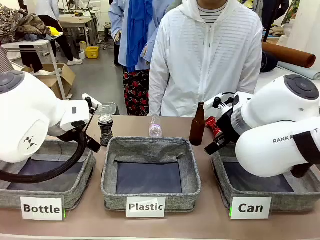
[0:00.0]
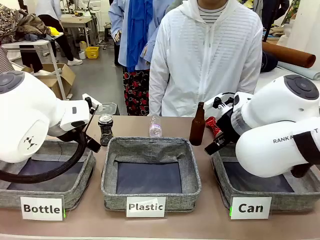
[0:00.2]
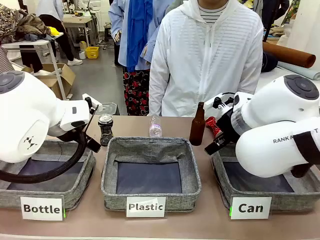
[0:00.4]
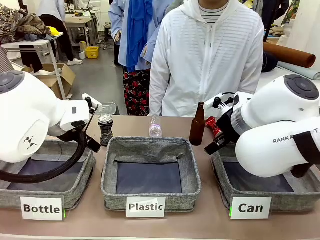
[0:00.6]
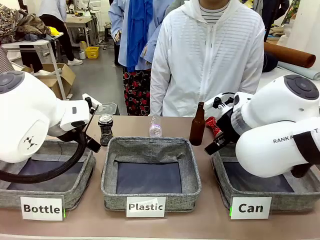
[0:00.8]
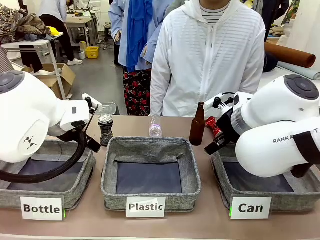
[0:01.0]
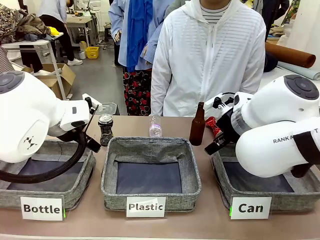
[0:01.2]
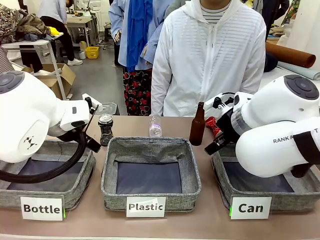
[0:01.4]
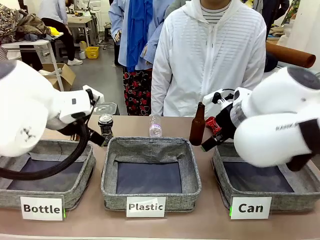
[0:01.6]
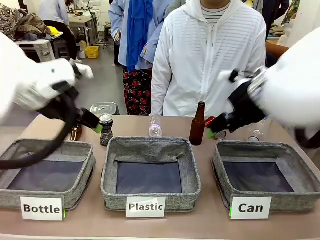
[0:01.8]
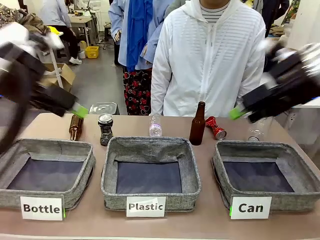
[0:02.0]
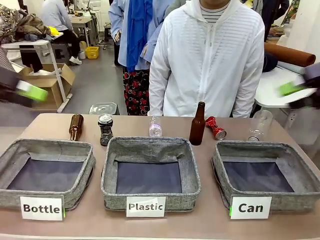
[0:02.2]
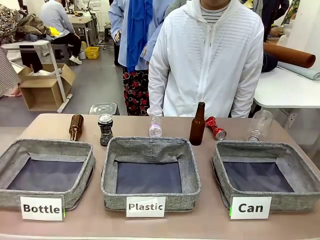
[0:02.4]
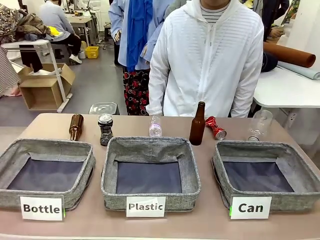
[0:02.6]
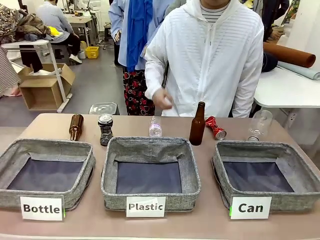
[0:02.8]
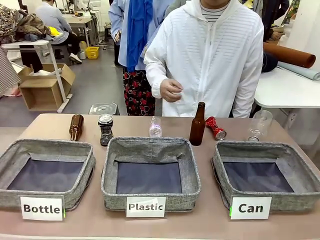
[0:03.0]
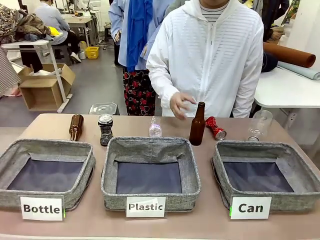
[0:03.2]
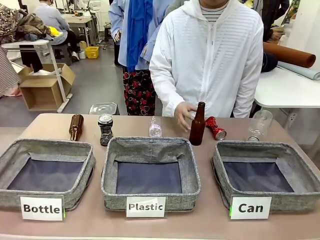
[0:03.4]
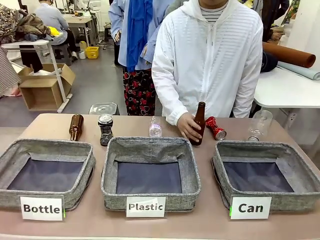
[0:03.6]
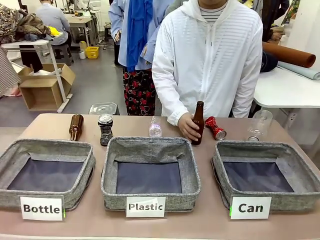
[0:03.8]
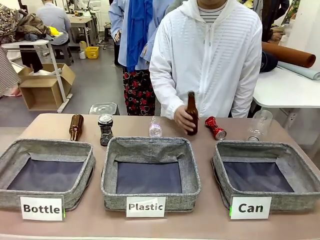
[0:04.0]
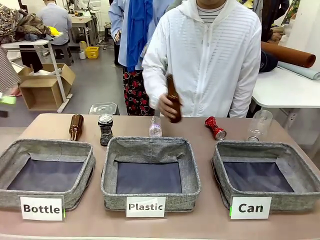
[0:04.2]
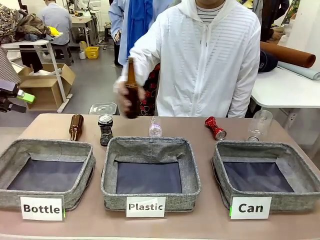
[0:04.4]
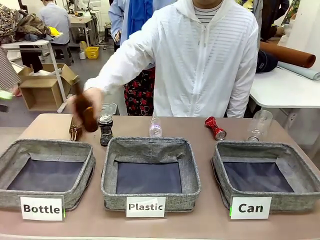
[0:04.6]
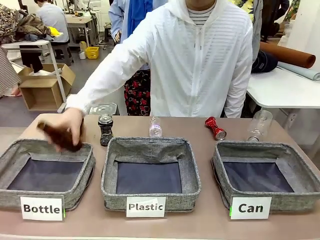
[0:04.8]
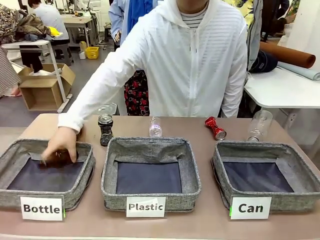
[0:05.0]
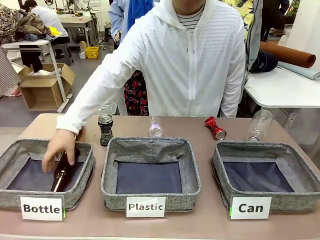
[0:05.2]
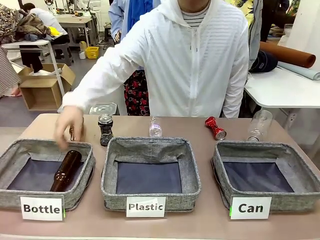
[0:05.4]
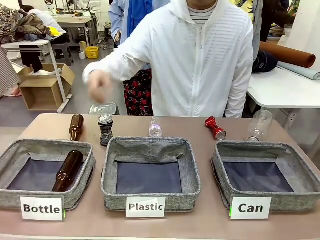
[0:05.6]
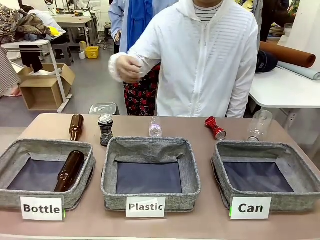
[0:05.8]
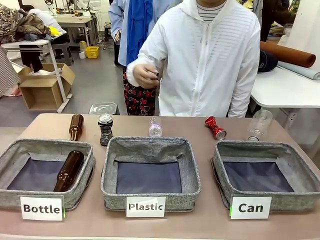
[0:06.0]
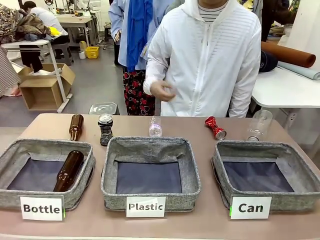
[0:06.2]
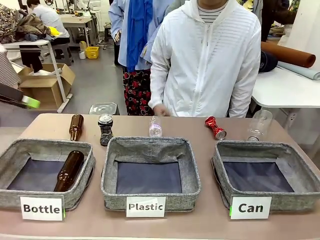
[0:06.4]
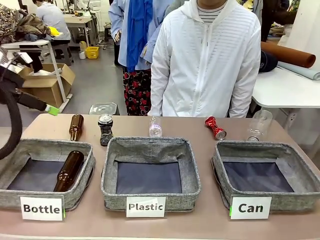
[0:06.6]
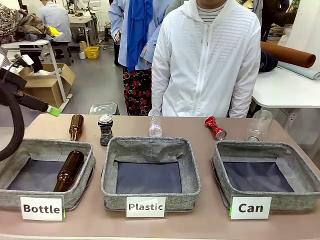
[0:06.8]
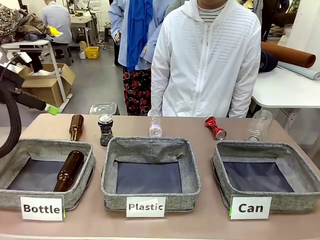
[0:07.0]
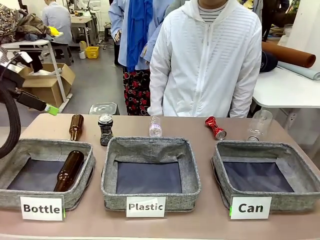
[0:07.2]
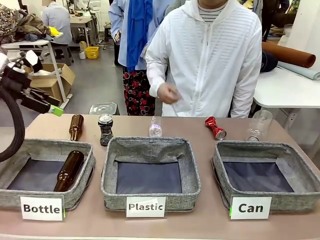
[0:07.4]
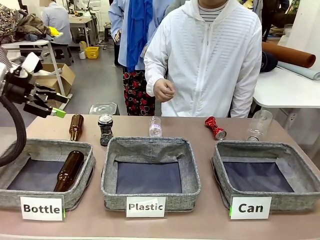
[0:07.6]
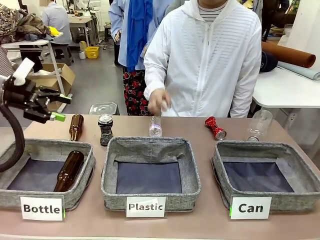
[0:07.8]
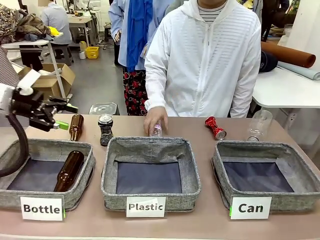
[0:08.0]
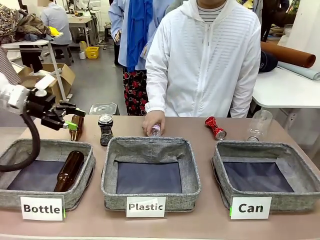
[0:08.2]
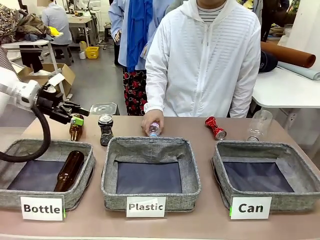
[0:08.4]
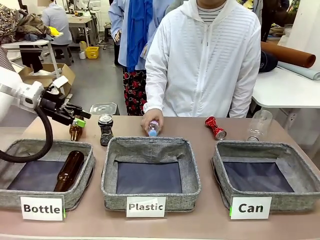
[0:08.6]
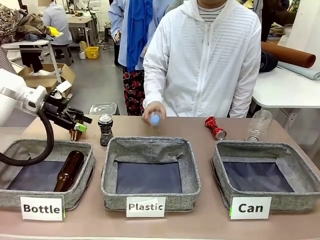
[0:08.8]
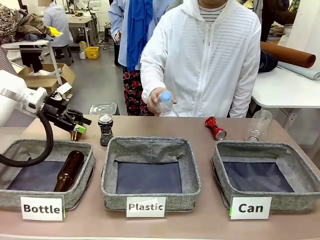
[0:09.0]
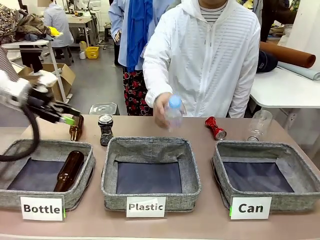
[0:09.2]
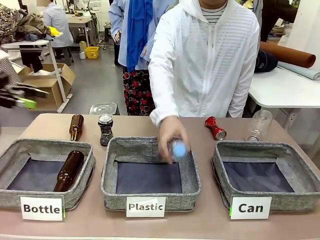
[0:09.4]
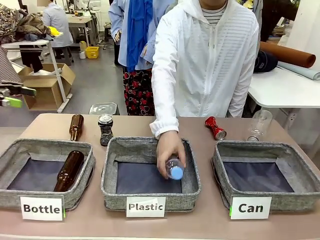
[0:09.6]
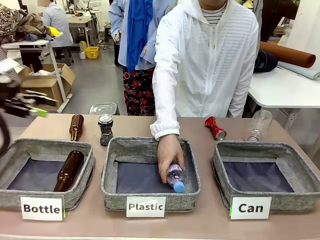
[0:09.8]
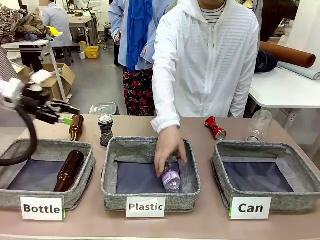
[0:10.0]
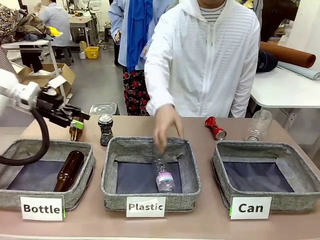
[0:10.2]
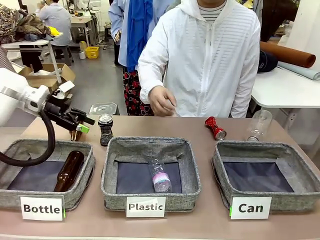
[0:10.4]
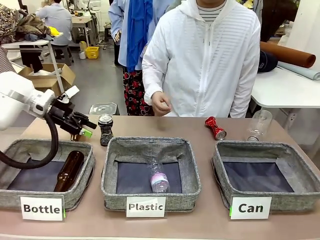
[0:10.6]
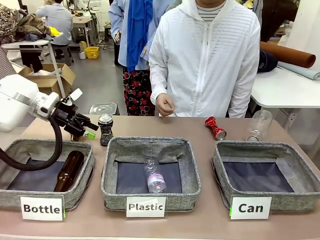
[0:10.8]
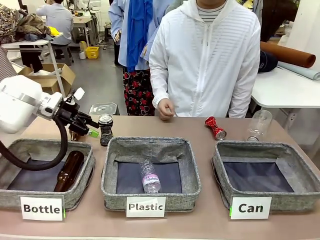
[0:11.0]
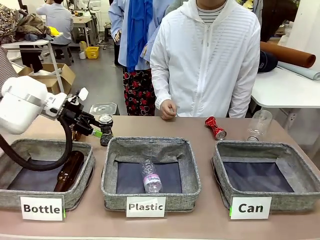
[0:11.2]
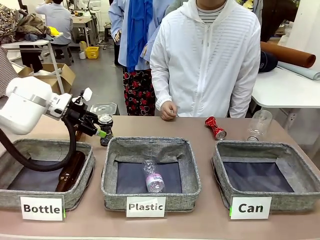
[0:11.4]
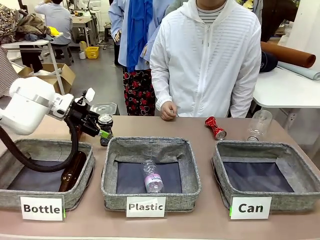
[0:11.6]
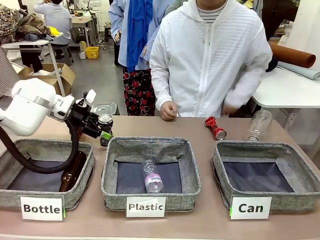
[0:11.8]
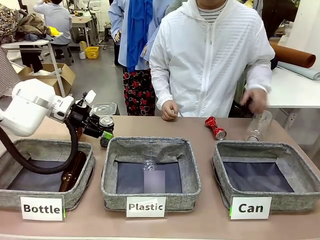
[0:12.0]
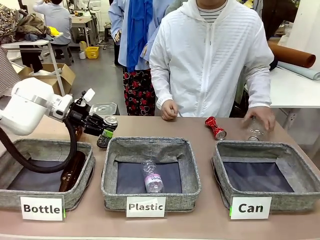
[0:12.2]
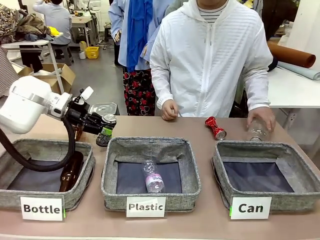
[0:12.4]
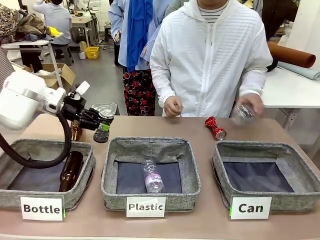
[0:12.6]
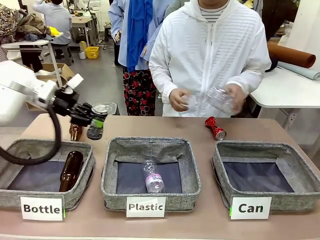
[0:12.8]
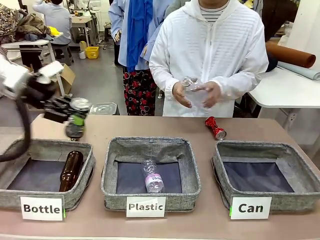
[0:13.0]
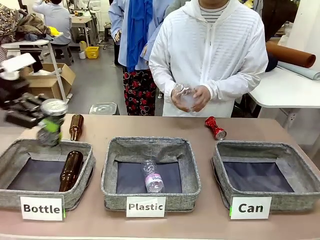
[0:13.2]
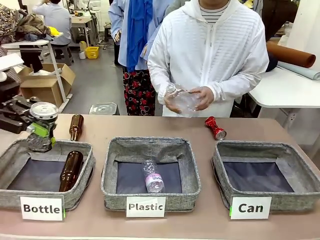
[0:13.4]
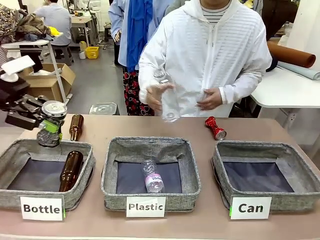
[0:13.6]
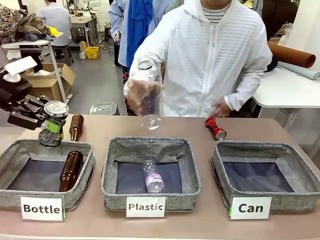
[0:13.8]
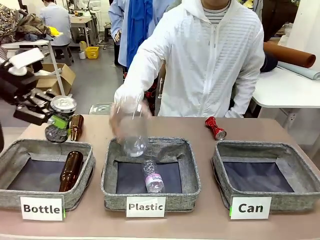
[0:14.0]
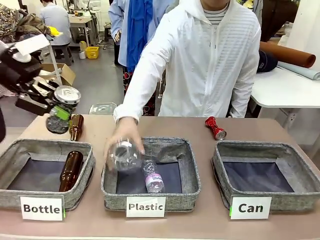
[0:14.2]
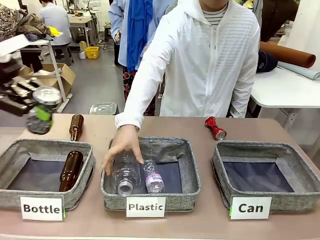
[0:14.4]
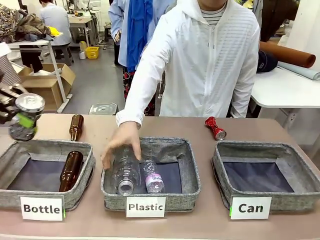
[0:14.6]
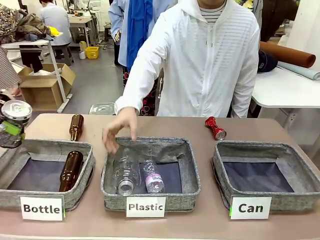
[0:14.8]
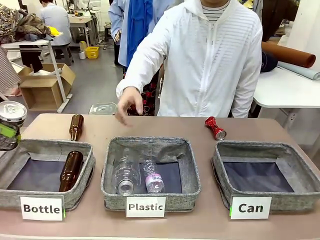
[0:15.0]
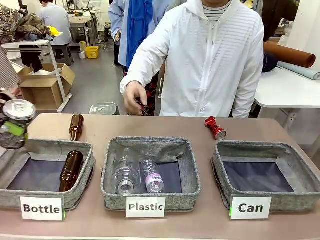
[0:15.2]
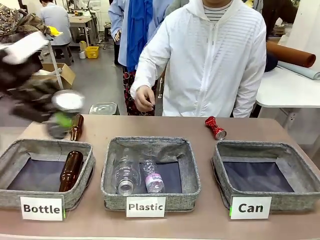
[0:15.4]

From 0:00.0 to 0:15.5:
Task: Sort the can waste into the basket.
Robot: Pick up the can waste from the table and place it in the right Fabric basket.
